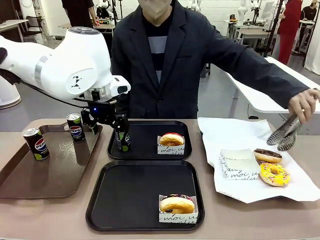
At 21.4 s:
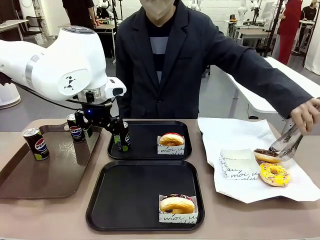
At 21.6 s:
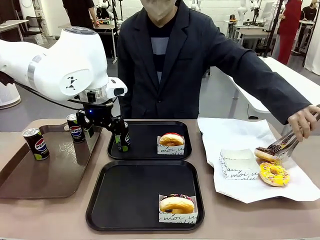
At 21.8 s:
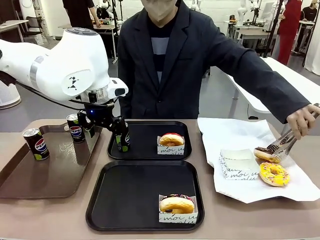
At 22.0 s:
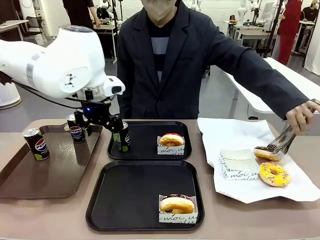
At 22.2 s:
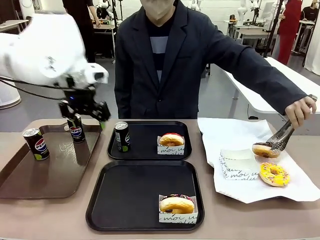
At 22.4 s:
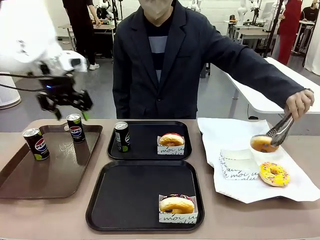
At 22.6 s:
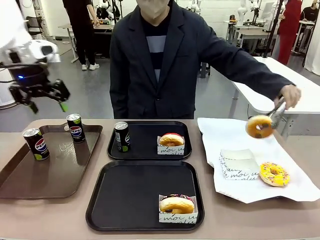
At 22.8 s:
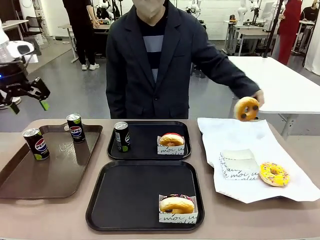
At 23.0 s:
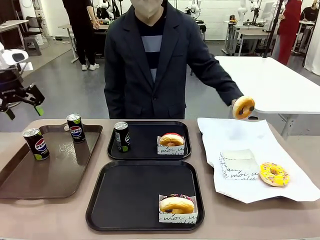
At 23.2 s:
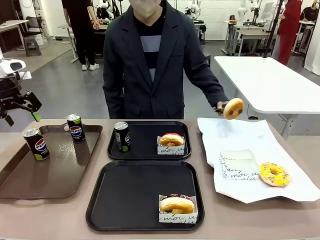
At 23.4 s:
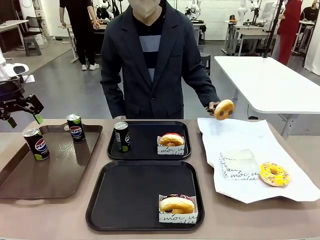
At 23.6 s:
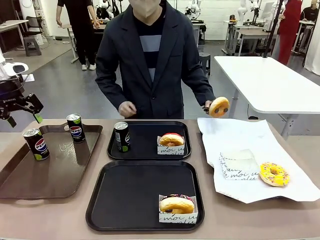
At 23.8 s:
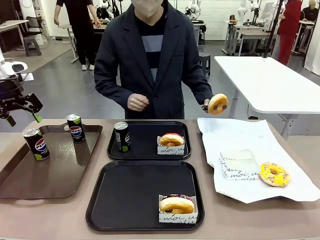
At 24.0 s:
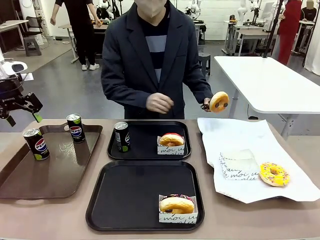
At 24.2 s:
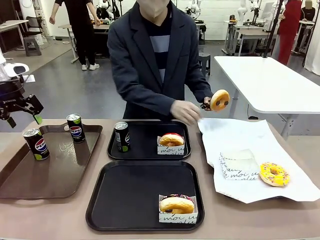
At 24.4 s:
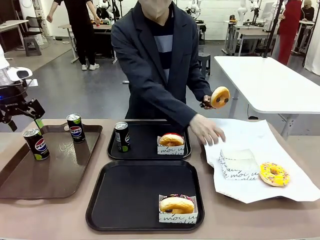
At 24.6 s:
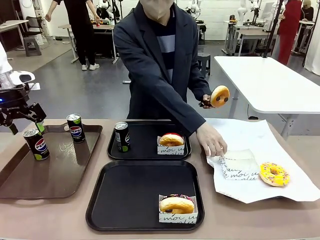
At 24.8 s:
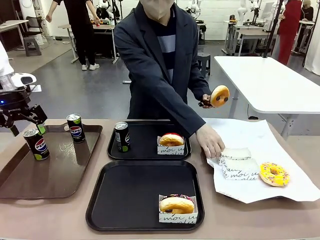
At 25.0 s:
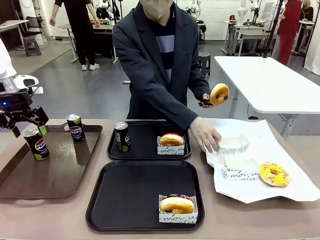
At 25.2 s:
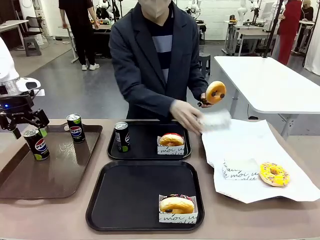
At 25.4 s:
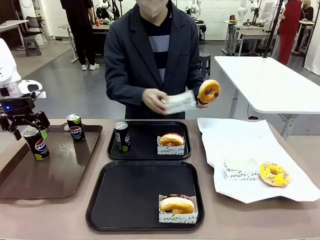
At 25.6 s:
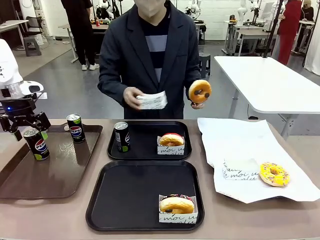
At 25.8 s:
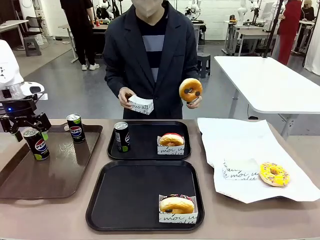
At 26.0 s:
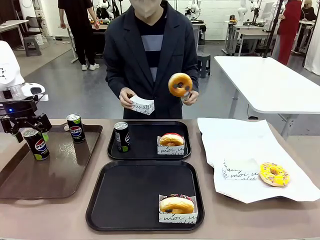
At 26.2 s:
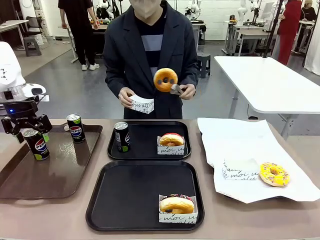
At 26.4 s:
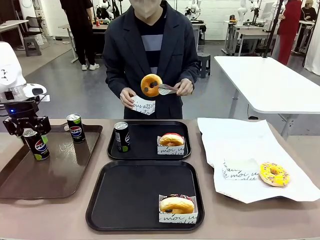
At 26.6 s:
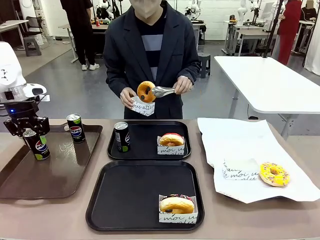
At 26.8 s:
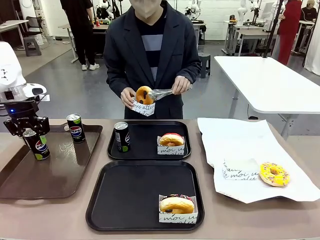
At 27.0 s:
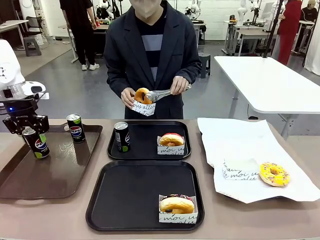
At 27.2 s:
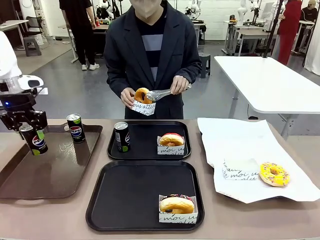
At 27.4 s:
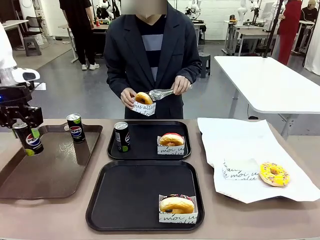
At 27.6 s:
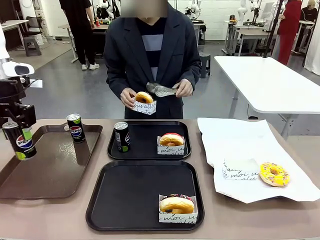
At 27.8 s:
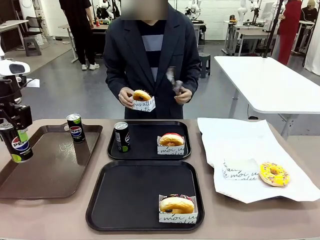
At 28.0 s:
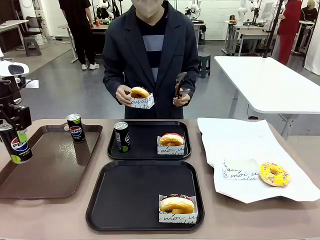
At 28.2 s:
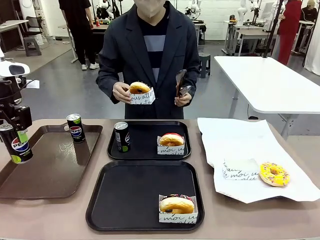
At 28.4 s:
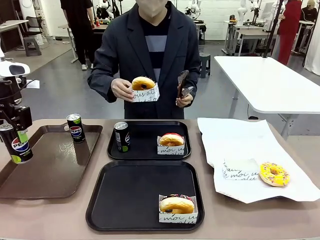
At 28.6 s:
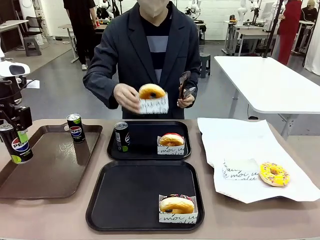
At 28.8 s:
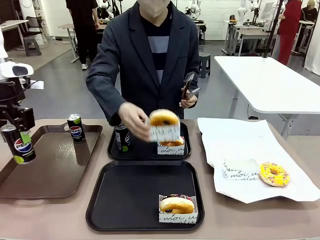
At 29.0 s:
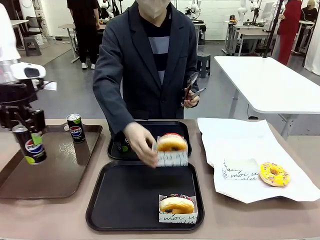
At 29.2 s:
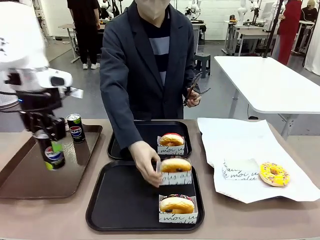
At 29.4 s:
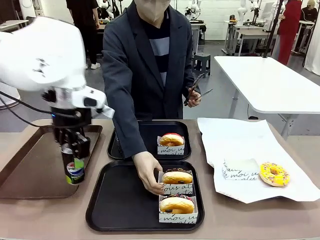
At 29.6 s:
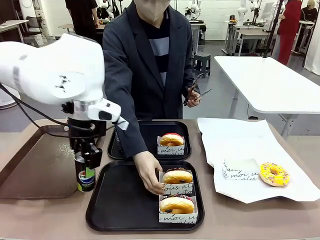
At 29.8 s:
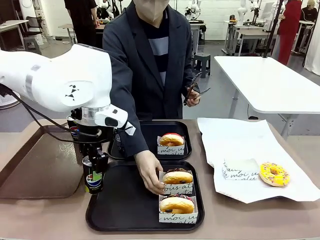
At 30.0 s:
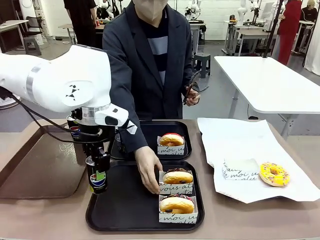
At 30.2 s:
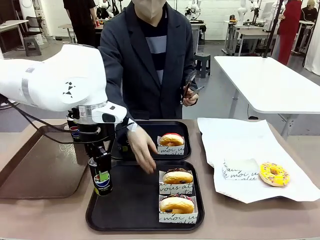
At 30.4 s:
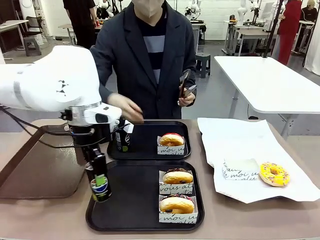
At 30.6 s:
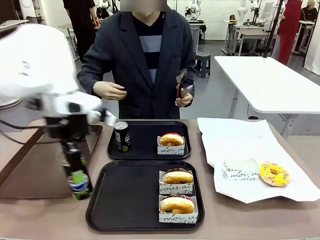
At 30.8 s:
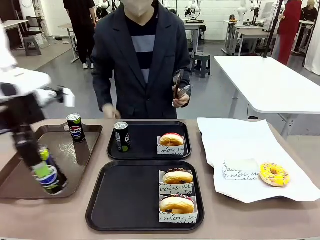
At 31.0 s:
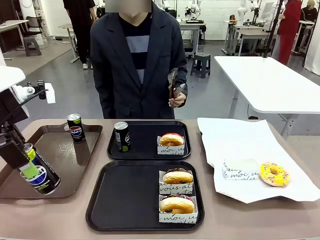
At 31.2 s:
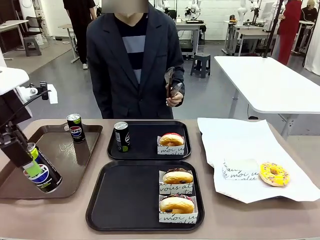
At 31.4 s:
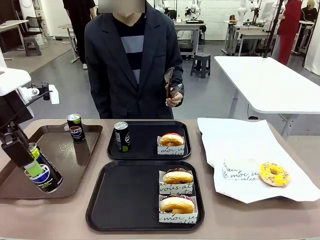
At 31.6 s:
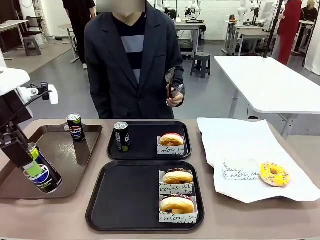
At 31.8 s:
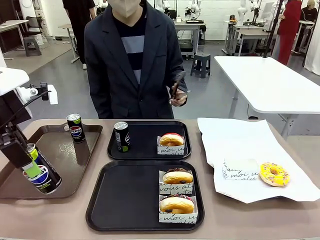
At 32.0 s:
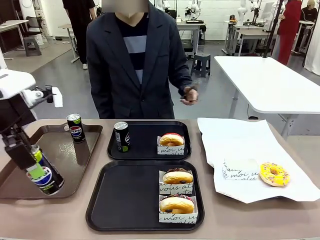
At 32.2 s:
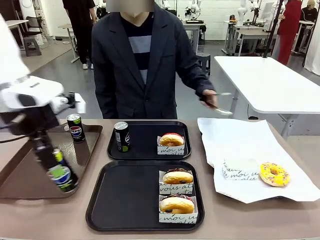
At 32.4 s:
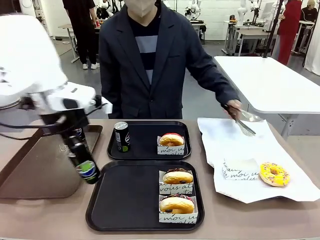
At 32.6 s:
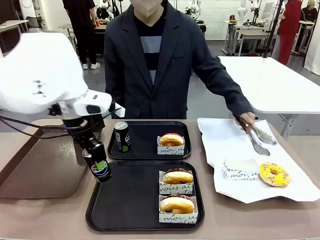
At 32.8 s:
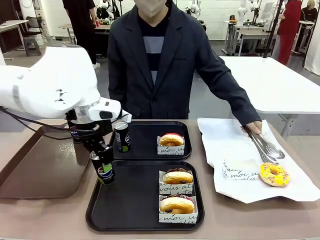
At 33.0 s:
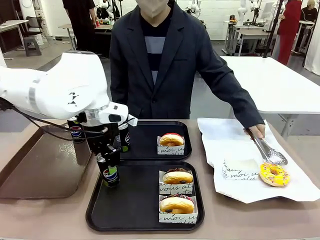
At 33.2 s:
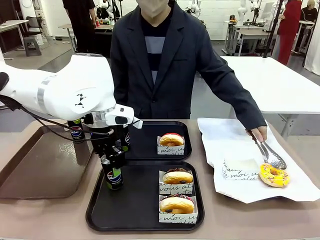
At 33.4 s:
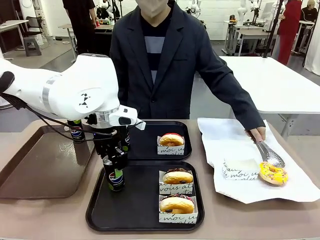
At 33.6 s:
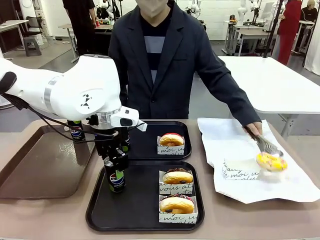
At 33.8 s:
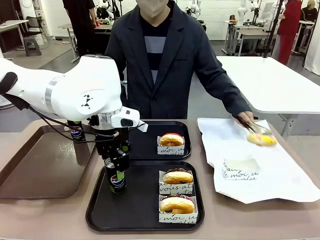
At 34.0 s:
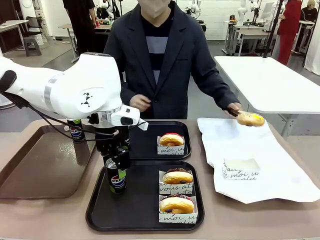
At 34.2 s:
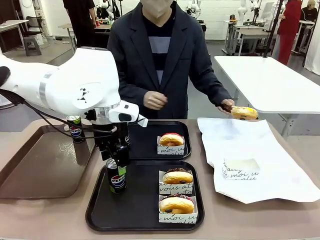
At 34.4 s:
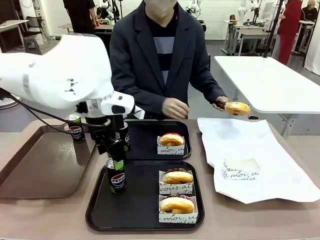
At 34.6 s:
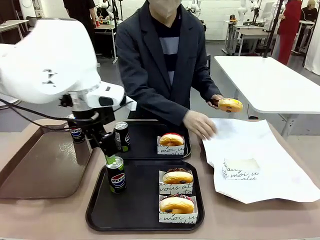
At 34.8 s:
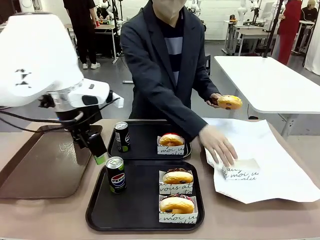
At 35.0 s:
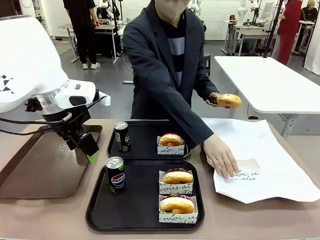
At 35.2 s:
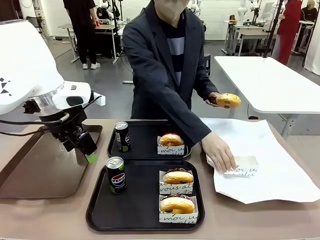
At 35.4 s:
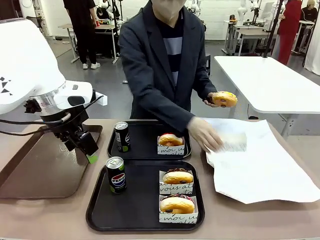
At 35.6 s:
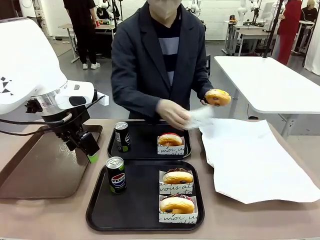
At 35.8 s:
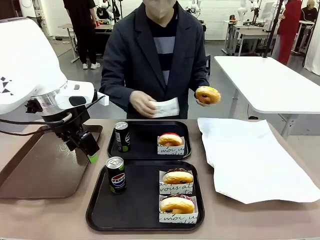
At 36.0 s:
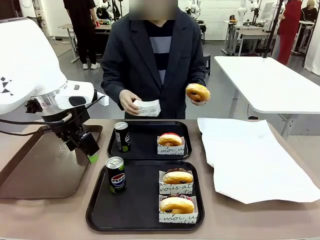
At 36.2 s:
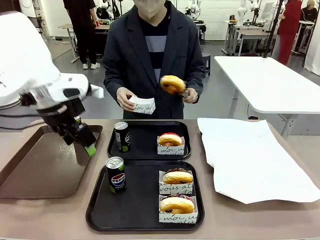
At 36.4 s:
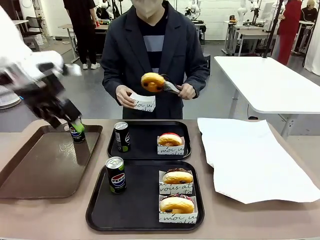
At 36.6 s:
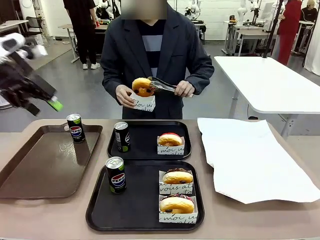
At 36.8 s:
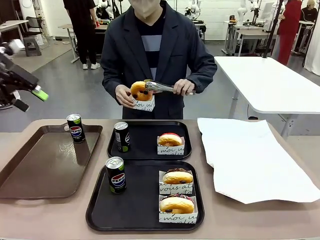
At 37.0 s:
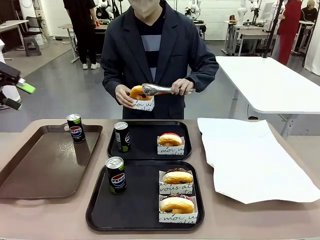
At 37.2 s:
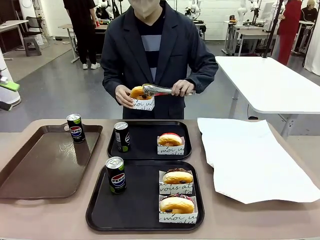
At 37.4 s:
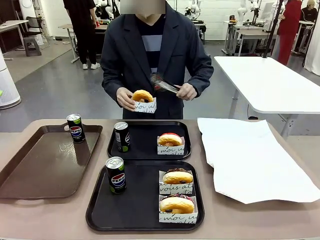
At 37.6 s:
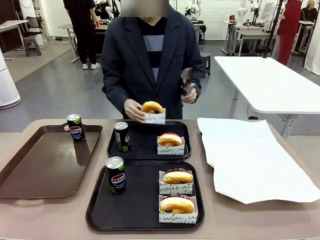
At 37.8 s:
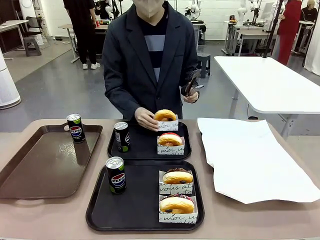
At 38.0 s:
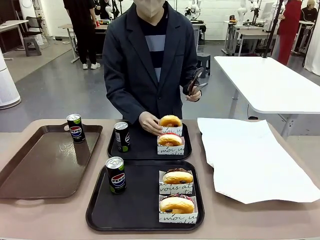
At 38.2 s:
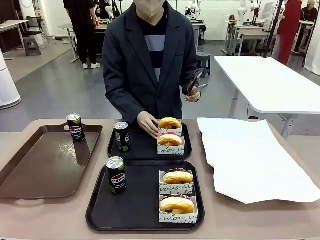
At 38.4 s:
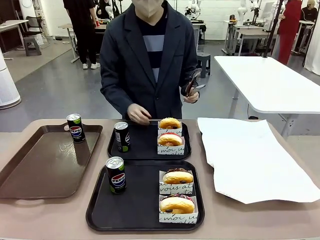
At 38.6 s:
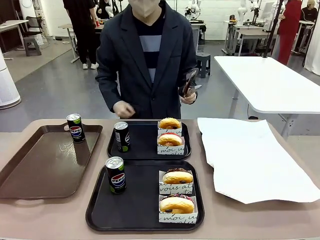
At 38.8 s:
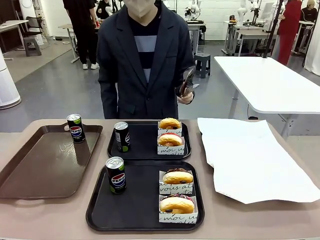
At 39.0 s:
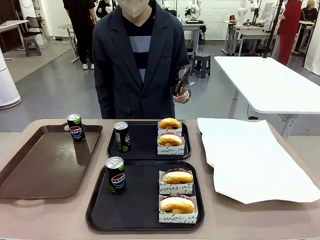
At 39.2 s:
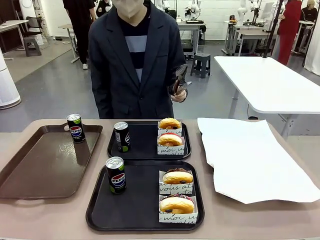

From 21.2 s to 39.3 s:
Task: Set up donuts and drinks on trays.
Robot: Pick up one Pepsi coke from the Handle tray and place it on the Flat Tray without a Pepsi coke.

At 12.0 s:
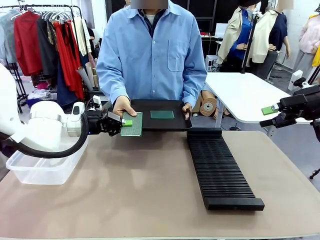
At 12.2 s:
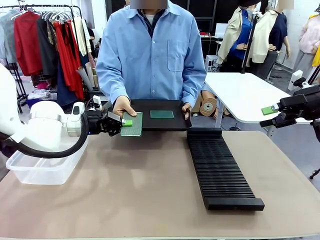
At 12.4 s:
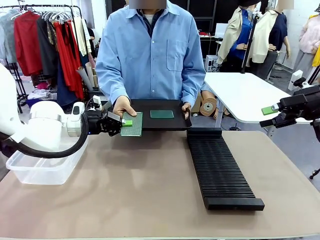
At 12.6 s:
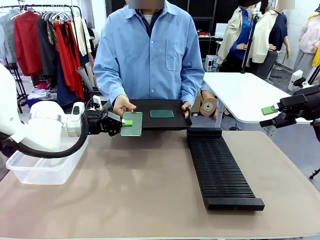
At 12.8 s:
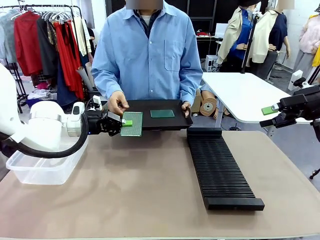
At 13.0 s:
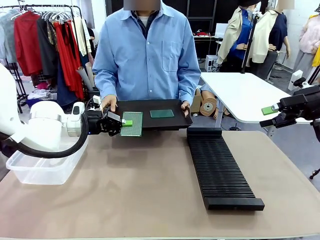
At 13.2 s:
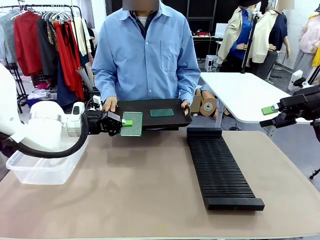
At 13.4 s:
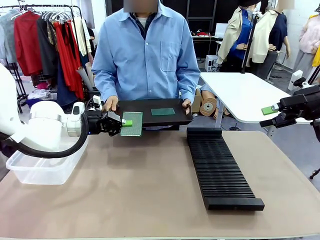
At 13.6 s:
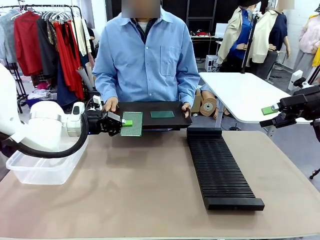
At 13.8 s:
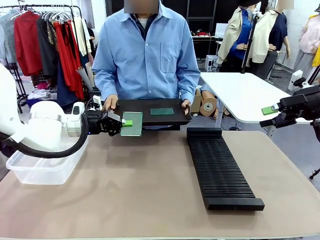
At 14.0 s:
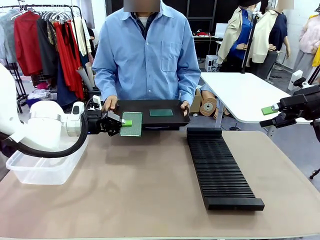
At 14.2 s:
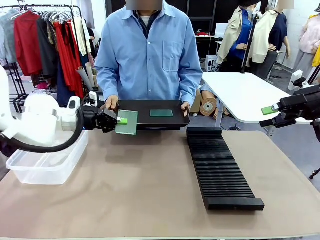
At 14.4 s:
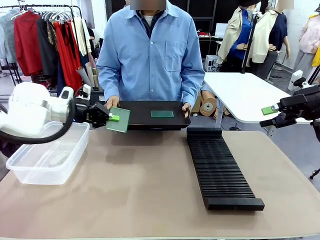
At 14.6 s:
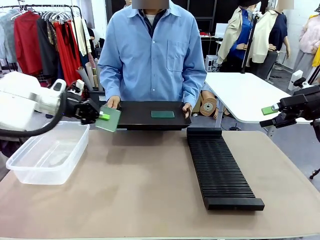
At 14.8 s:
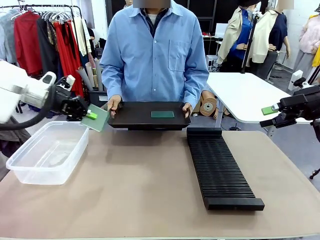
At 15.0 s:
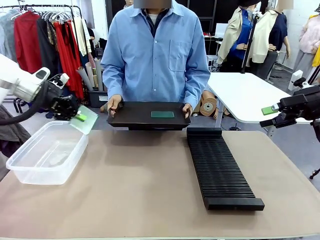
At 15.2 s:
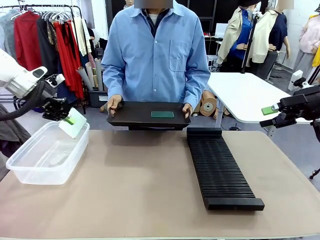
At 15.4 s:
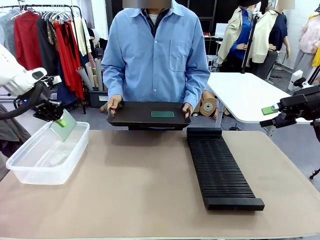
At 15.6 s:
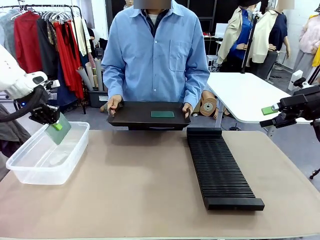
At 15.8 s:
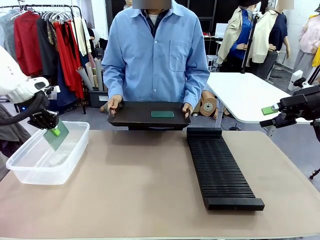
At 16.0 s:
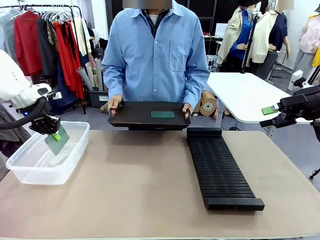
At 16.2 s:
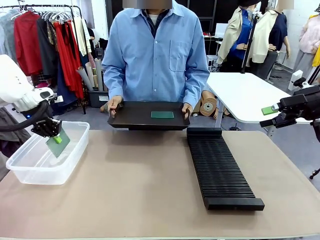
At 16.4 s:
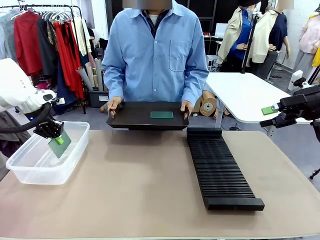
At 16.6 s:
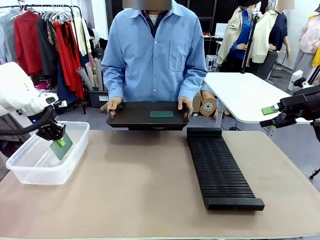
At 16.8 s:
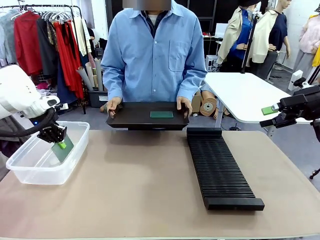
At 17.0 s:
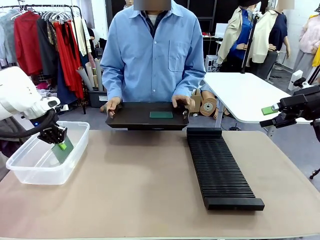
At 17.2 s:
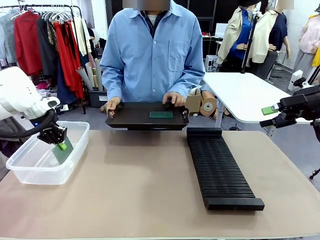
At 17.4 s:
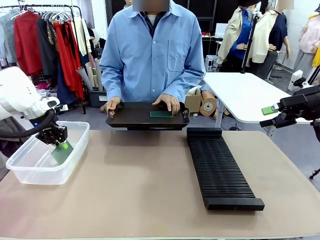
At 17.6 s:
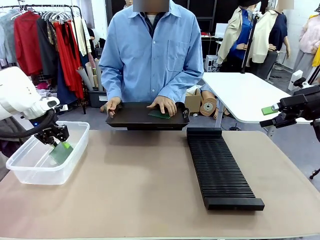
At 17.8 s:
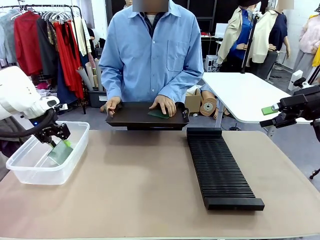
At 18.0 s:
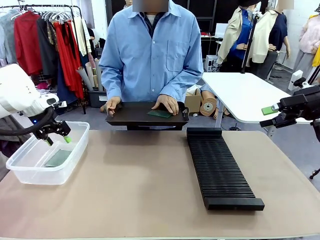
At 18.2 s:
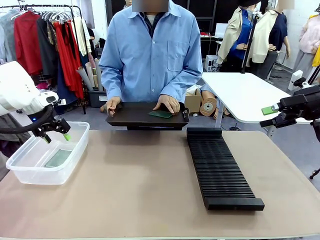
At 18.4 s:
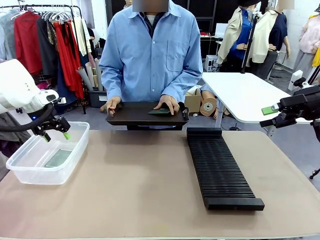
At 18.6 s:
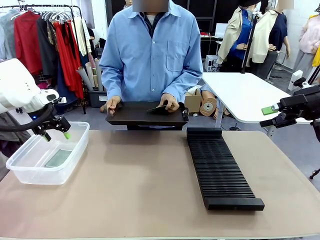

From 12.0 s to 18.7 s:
Task: Sort PCBs into racks and boxes based on the side picked up.
Robot: If the short side of the Blank PCB is picked up, insert it into the PCB Rack ; if the long side is picked up, place it in the Organizing box.
Person: Pick one PCB from the tray and present it to the robot.
